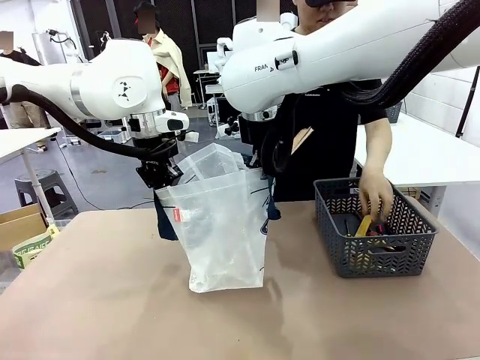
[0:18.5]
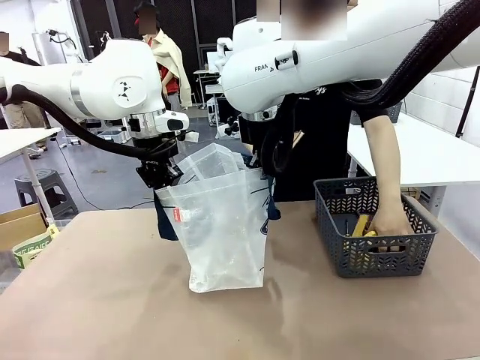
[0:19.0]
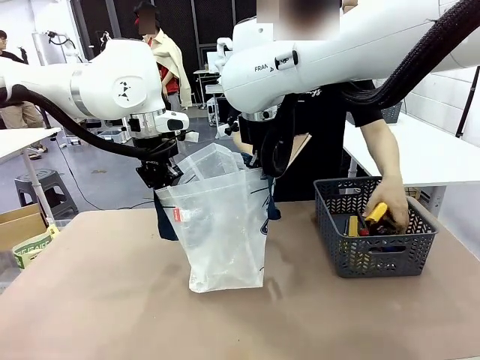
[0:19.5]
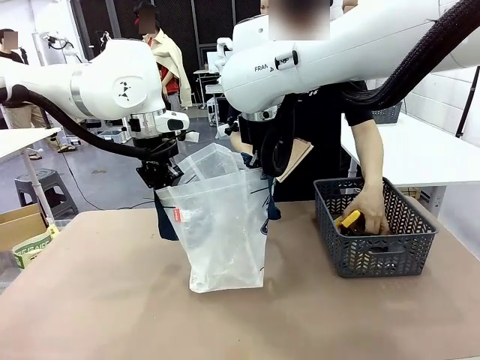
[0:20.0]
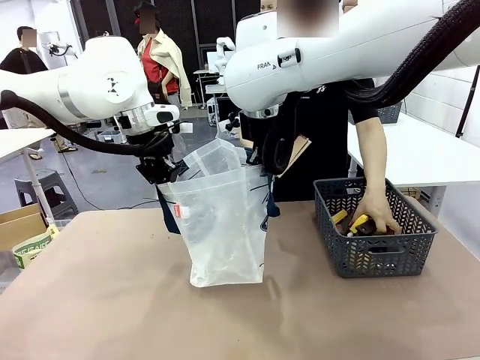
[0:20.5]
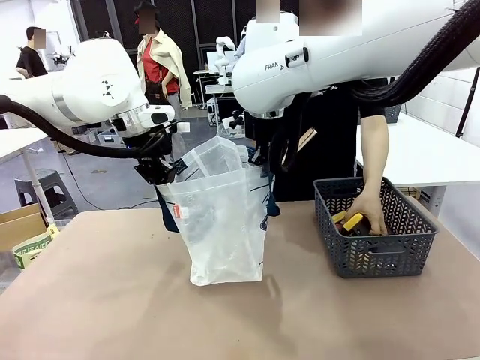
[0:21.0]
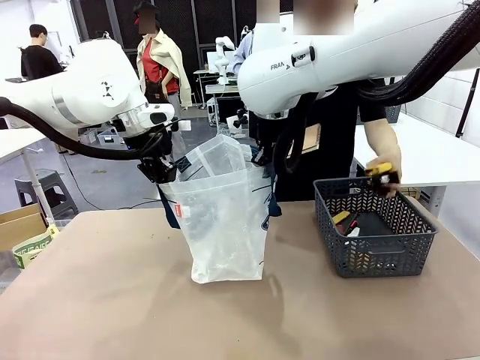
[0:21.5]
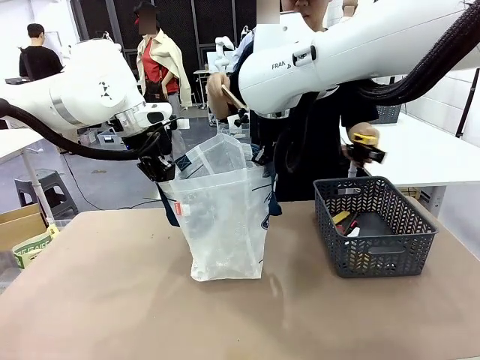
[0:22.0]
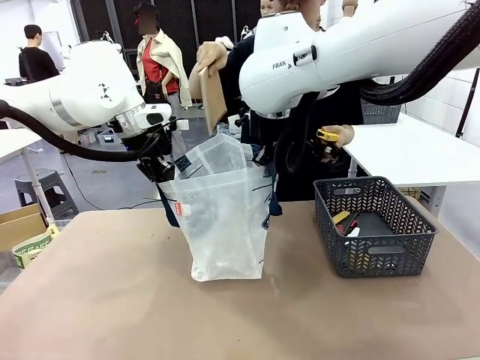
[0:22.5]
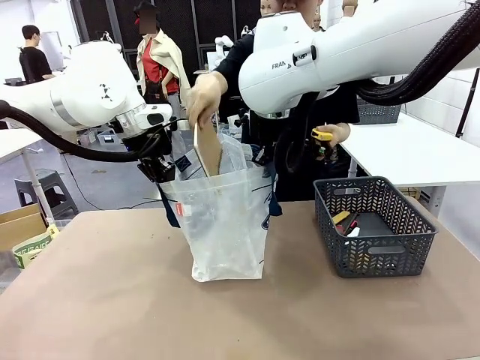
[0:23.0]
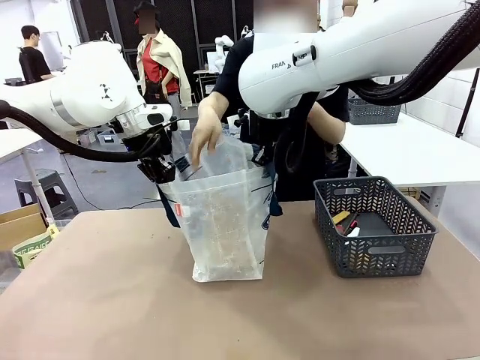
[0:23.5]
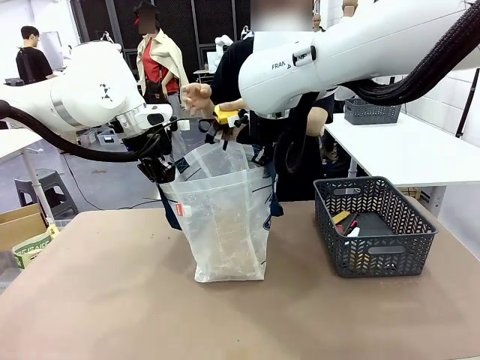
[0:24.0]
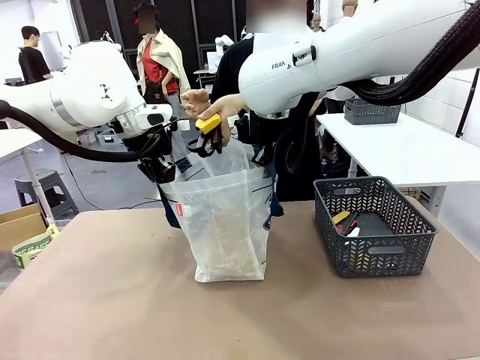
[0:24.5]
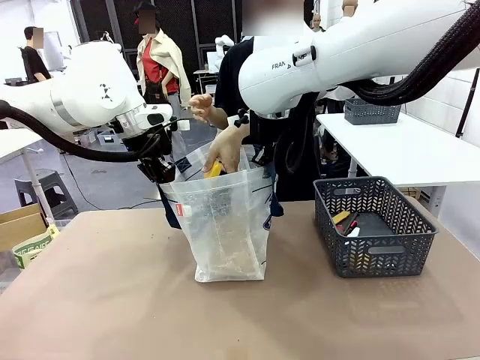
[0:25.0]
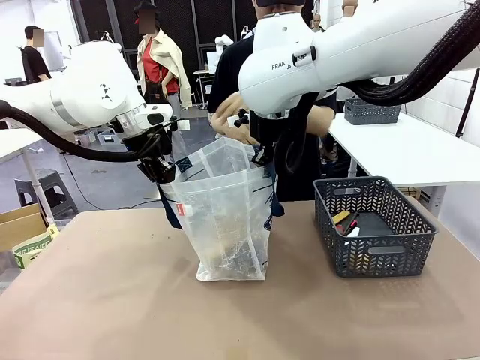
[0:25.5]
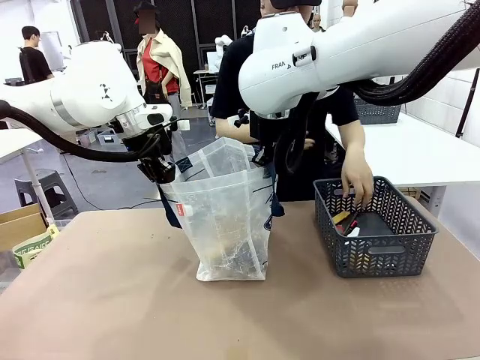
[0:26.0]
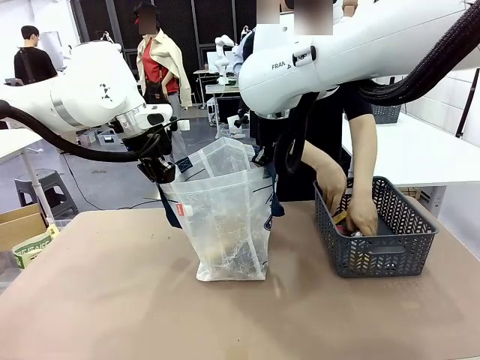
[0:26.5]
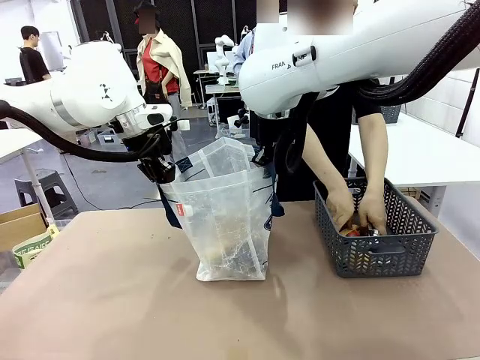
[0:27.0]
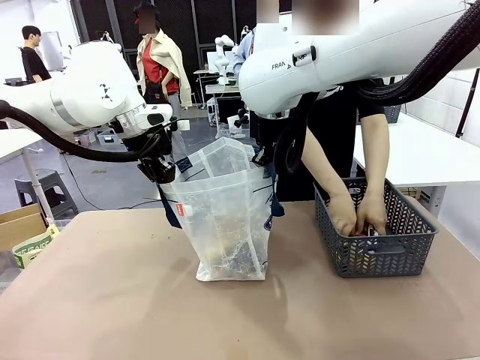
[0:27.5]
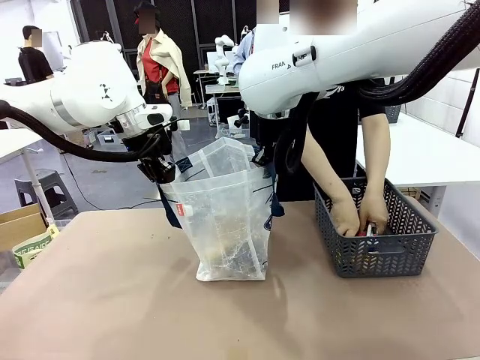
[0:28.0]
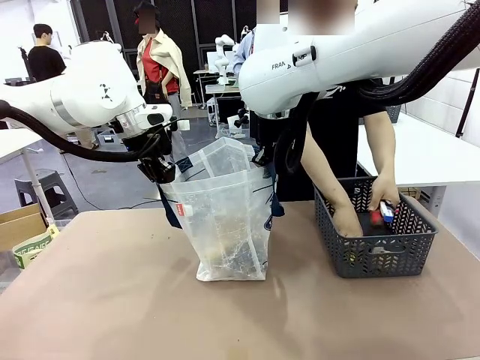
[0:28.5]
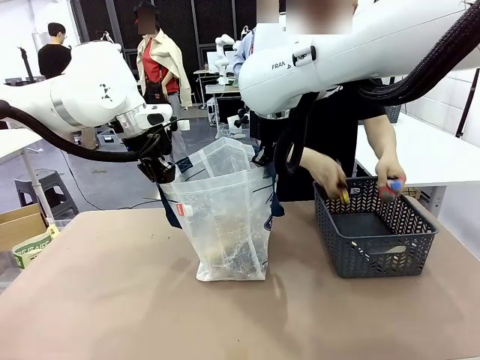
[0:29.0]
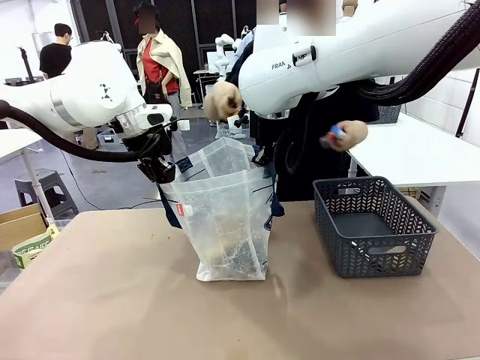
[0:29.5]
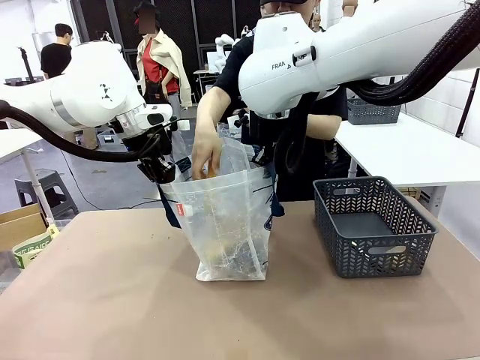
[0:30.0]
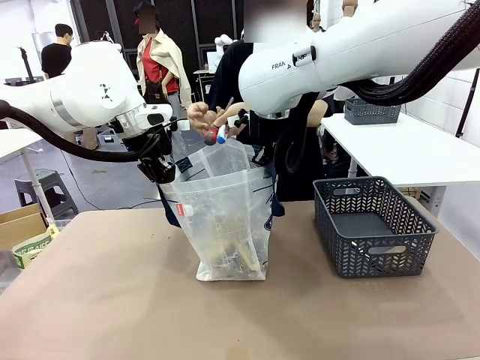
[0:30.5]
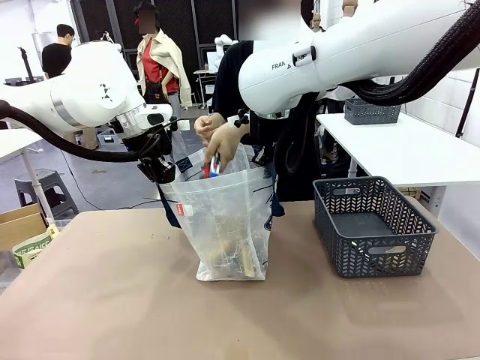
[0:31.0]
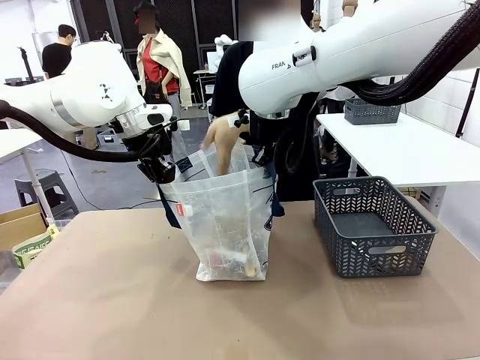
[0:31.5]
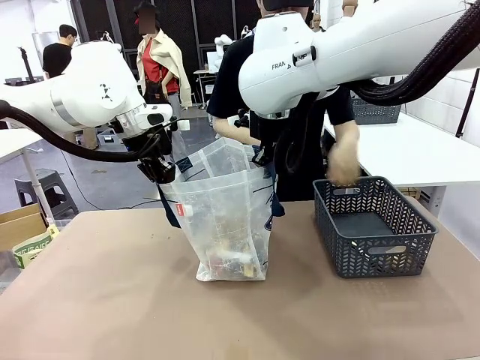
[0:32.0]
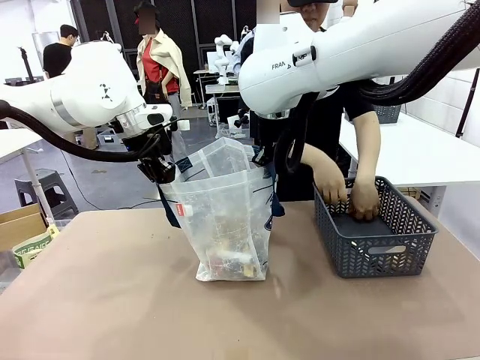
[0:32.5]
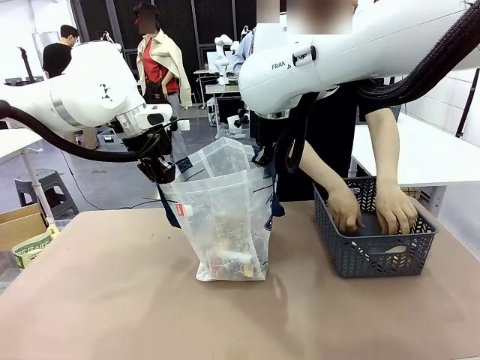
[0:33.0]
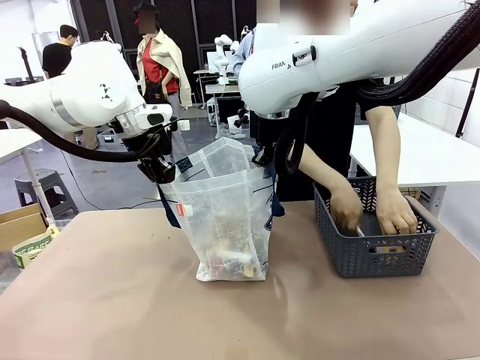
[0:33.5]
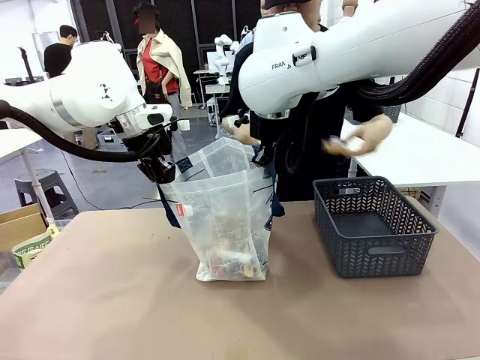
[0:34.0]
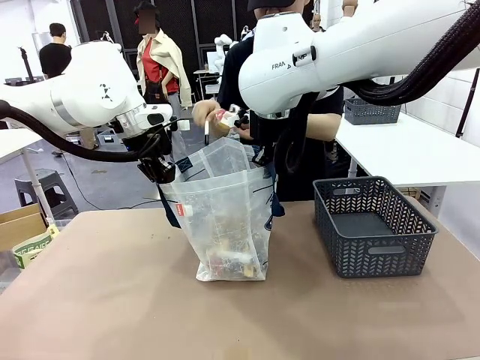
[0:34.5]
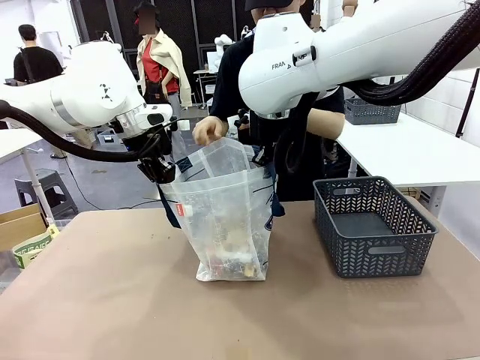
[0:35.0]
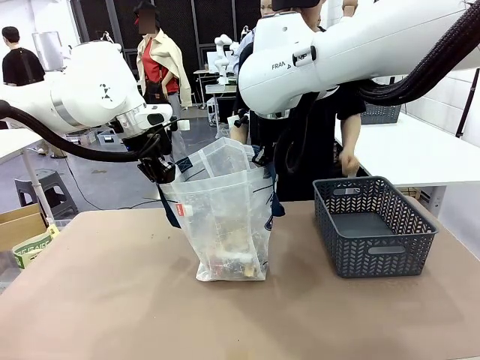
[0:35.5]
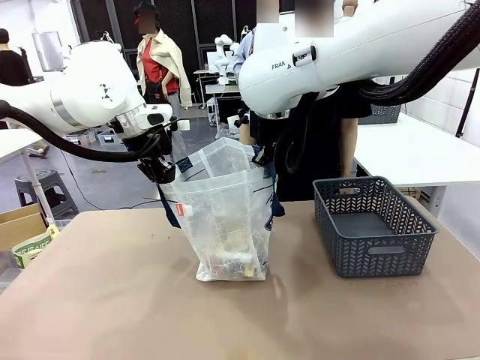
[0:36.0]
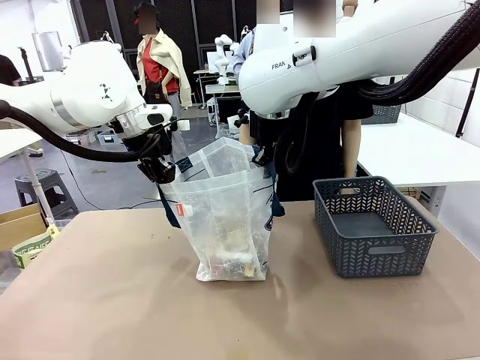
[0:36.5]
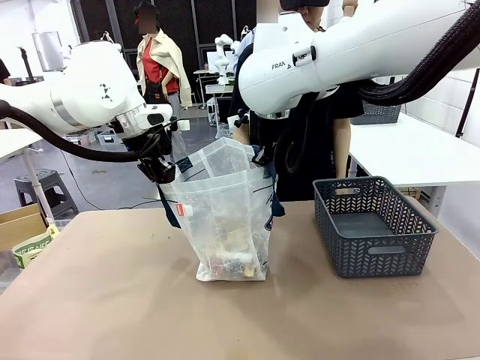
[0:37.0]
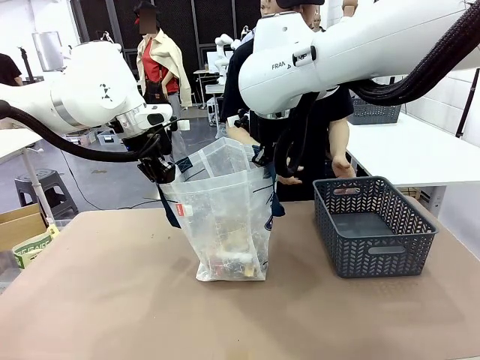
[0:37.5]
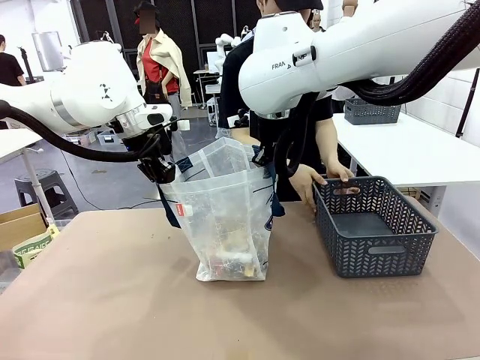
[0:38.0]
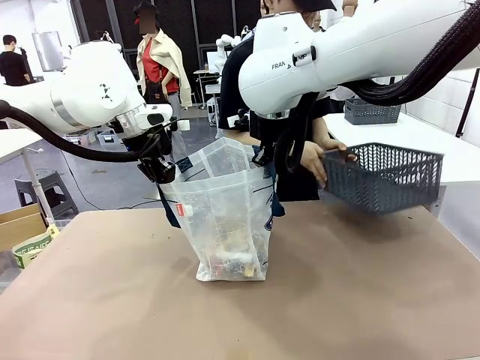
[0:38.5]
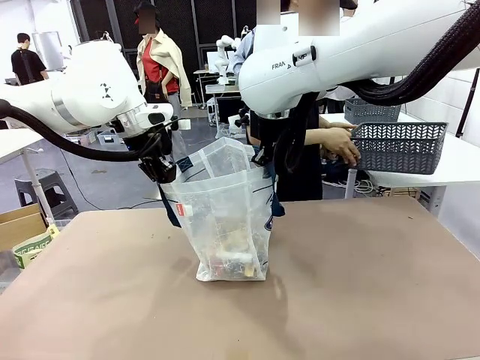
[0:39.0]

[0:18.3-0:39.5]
Task: Transfer purchased items from the store into the shopping bag.
Robot: Move the Reusable shopping bag to the right side of the table.
Person: Pick up the basket on the right, place it on the left side of the robot table, and move the items in the basket to the shopping bag. Pick up the basket with the items out and place it on the right side of the human table.
